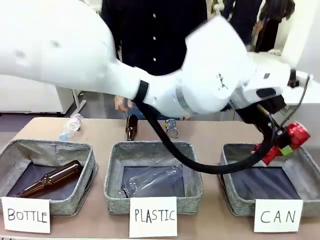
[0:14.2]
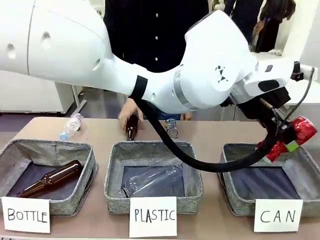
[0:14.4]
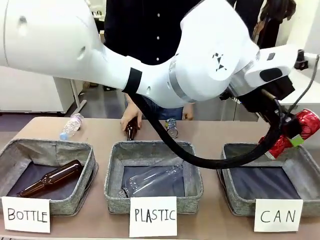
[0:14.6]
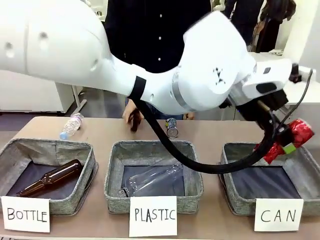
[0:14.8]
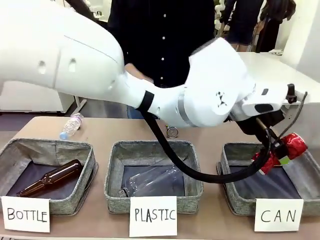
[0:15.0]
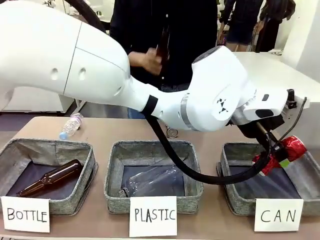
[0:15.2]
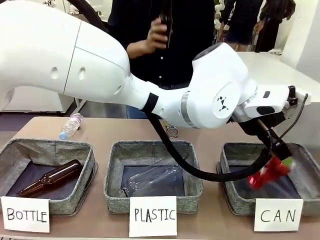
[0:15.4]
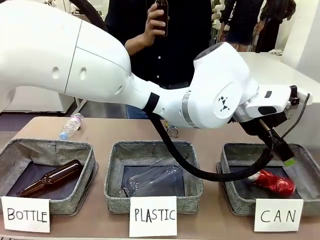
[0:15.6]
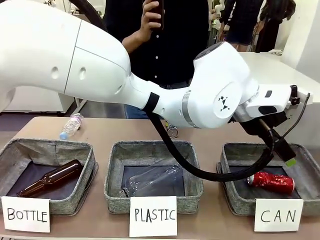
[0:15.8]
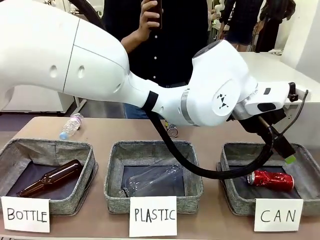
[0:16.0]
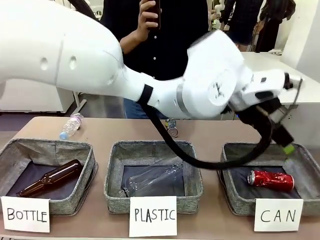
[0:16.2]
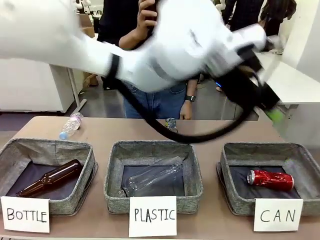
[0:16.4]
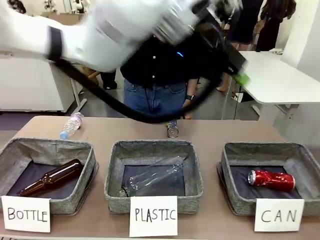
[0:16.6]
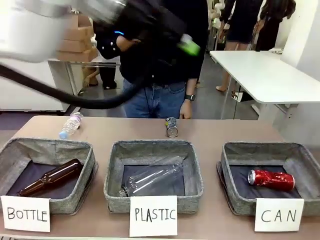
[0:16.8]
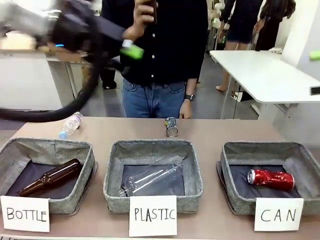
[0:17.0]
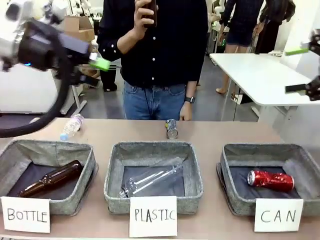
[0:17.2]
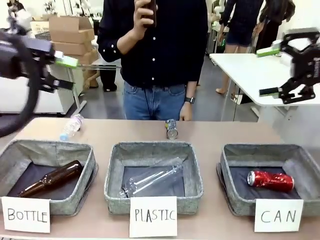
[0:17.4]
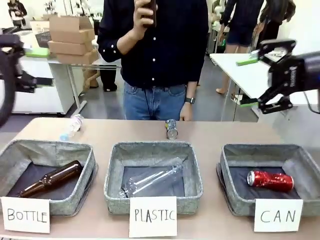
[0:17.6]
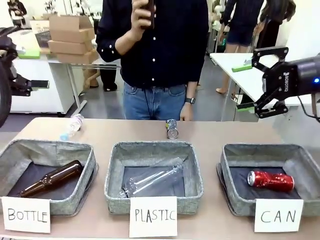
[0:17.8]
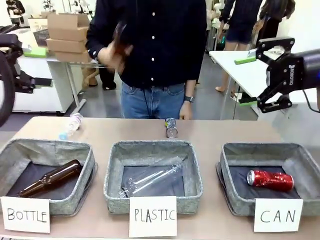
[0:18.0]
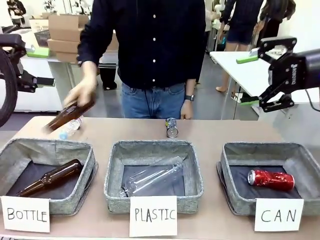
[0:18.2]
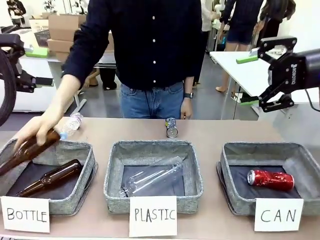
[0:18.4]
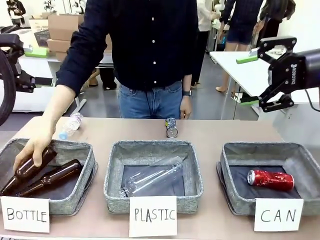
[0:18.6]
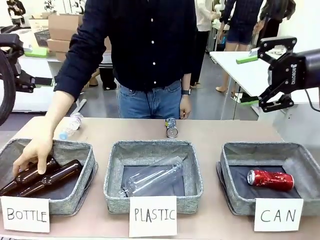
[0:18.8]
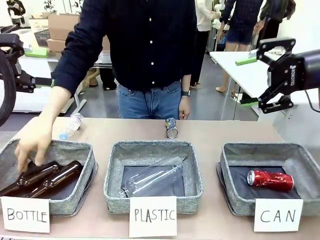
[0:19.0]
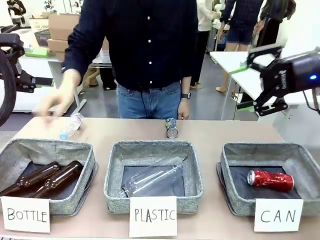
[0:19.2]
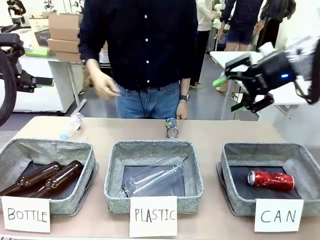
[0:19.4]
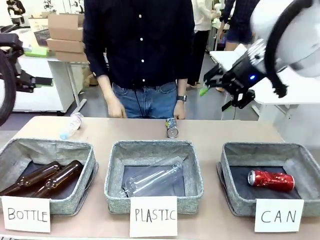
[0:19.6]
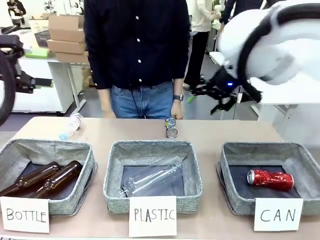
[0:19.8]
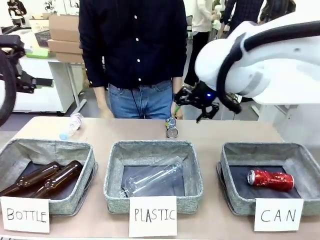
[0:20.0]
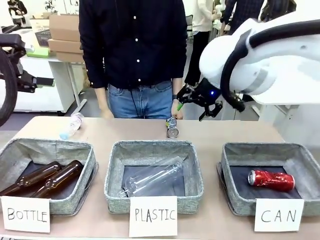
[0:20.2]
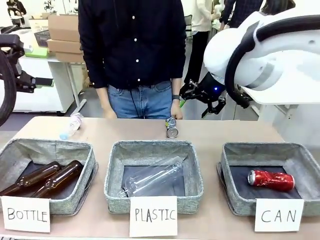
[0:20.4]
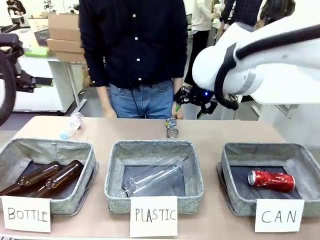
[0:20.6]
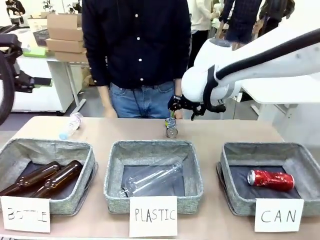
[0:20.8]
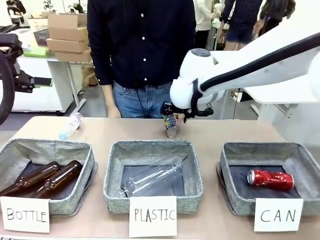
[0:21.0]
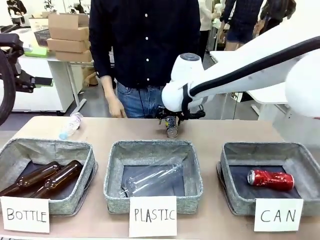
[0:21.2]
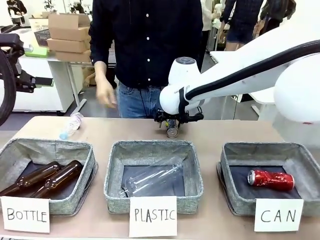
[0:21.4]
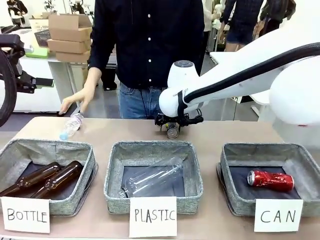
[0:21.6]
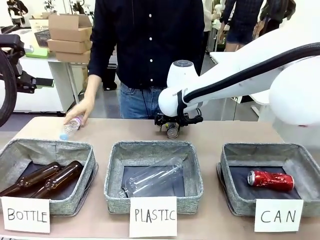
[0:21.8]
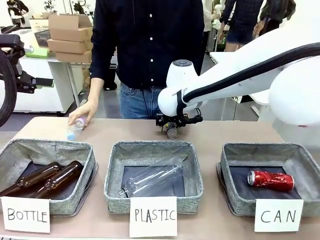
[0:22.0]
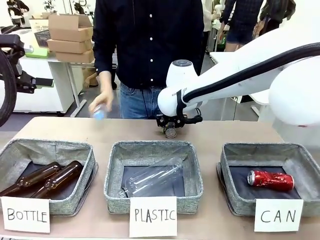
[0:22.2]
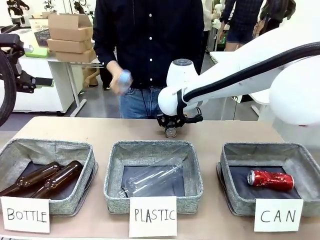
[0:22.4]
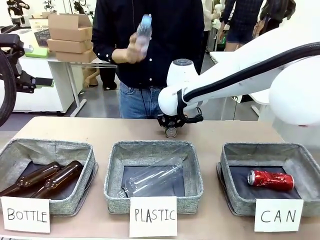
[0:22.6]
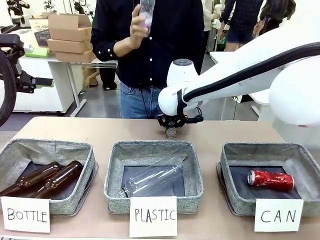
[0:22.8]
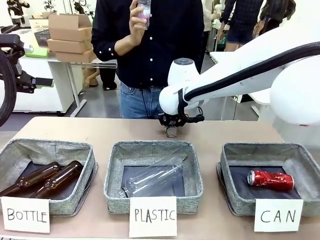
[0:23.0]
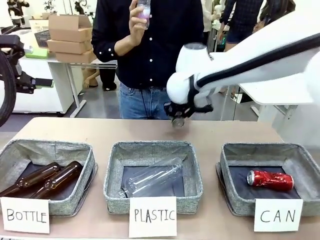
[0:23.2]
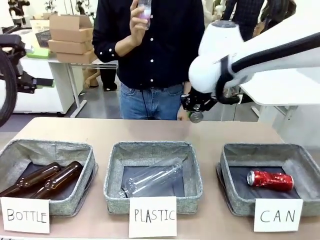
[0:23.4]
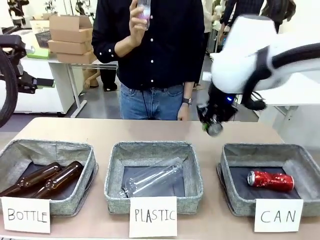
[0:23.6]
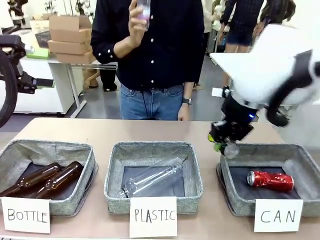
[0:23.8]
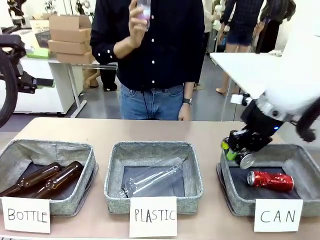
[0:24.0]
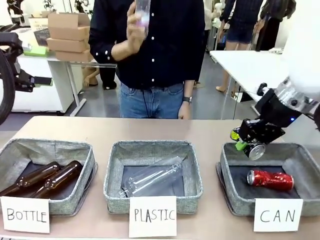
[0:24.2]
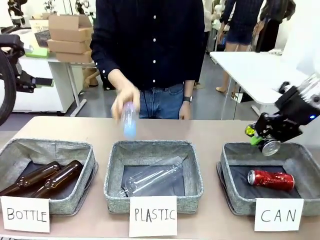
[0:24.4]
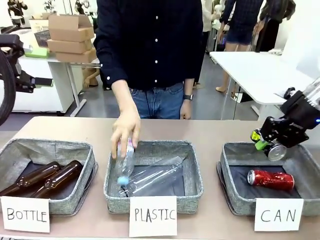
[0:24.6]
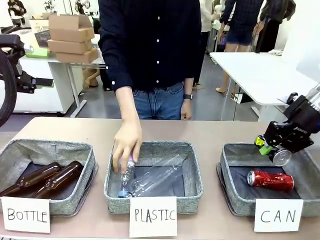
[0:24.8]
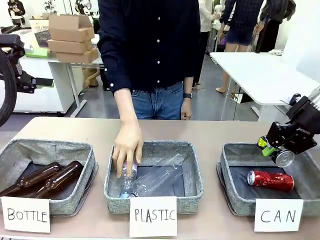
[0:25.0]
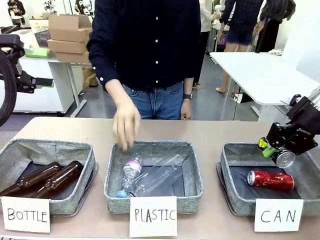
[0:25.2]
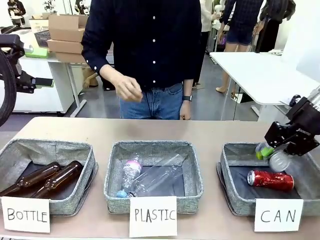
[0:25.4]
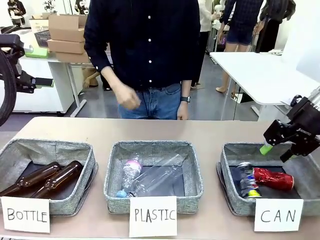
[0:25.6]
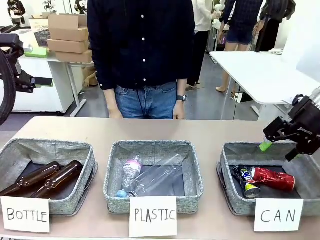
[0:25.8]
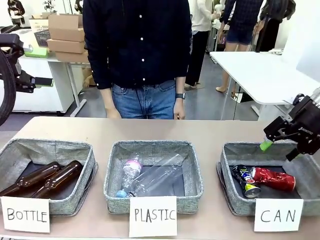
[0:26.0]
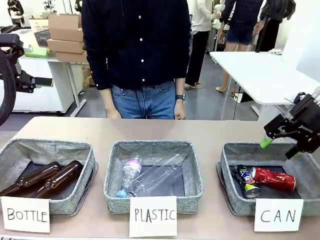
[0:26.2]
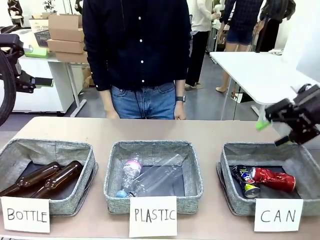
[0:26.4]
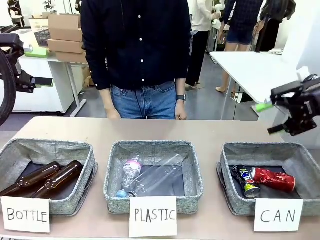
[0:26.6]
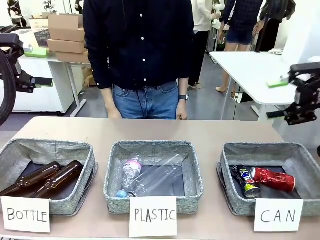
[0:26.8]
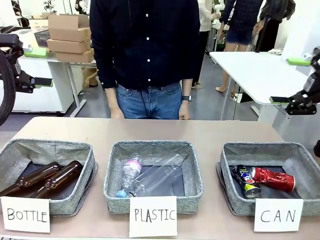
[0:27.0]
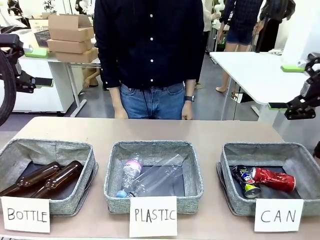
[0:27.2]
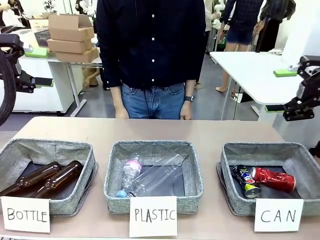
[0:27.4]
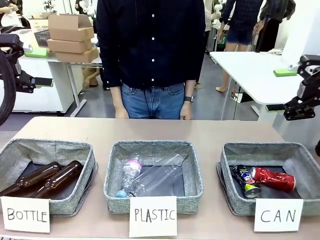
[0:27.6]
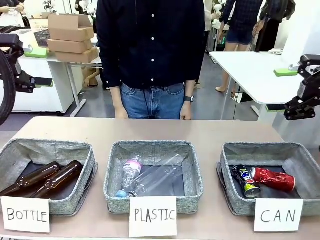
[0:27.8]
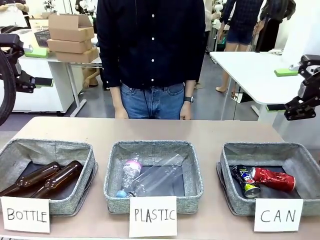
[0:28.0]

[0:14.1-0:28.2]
Task: Sort the can waste into the basket.
Robot: Pick up the can waste from the table and place it in the right Fabric basket.
